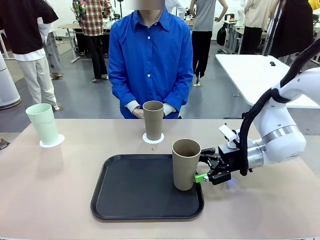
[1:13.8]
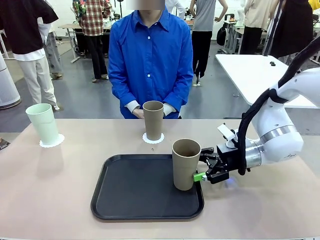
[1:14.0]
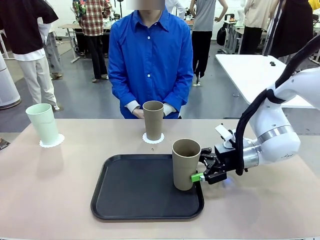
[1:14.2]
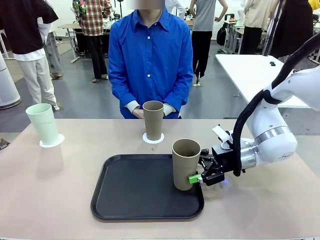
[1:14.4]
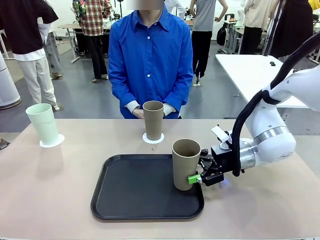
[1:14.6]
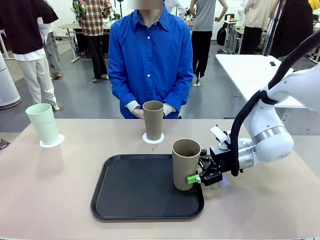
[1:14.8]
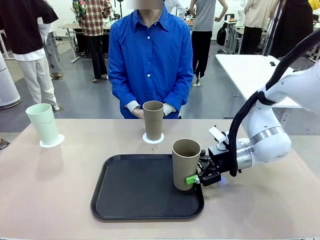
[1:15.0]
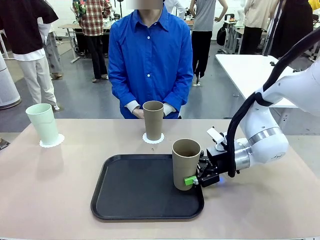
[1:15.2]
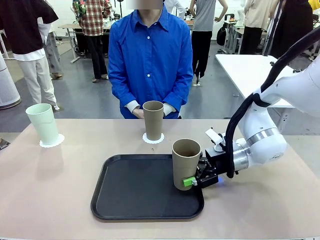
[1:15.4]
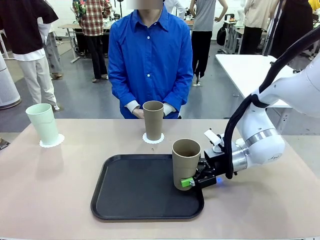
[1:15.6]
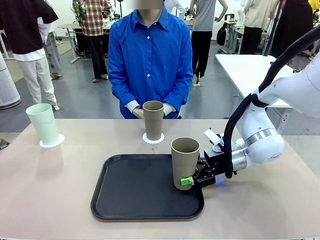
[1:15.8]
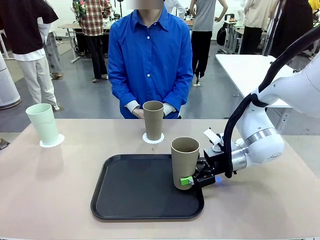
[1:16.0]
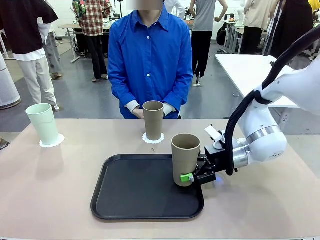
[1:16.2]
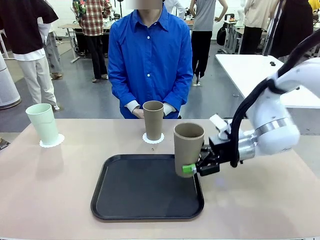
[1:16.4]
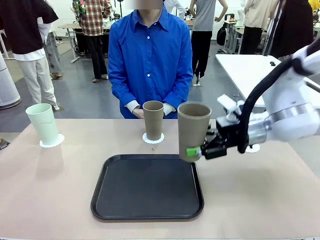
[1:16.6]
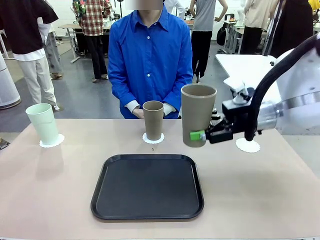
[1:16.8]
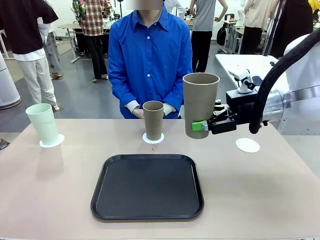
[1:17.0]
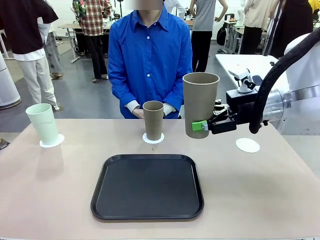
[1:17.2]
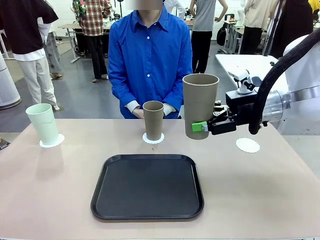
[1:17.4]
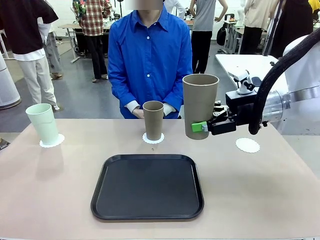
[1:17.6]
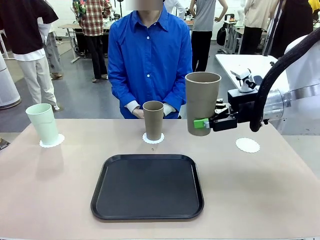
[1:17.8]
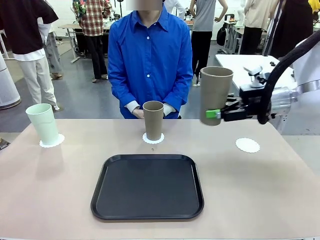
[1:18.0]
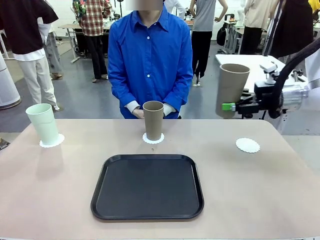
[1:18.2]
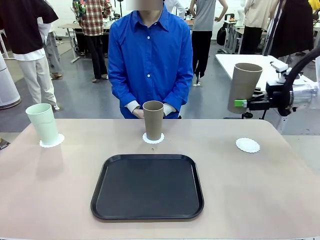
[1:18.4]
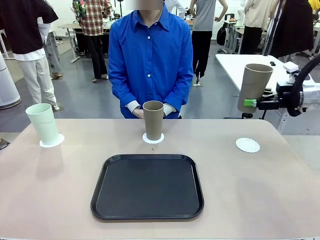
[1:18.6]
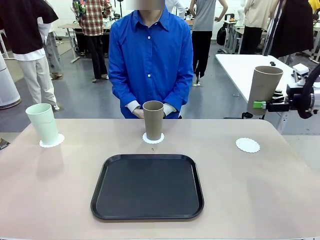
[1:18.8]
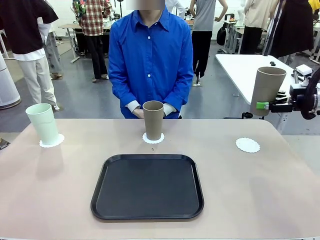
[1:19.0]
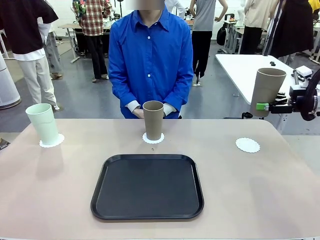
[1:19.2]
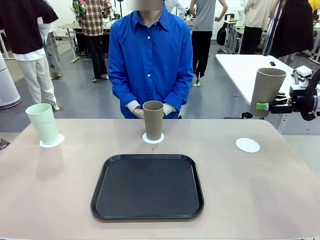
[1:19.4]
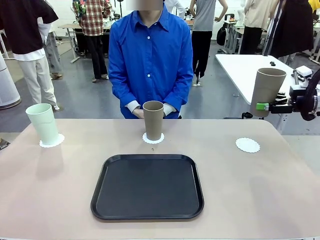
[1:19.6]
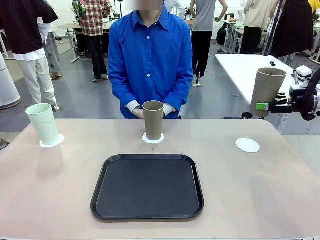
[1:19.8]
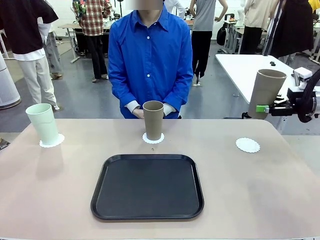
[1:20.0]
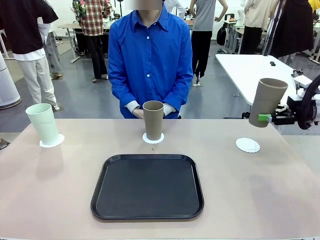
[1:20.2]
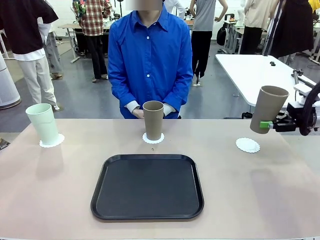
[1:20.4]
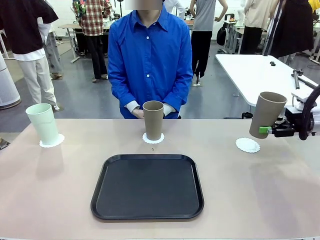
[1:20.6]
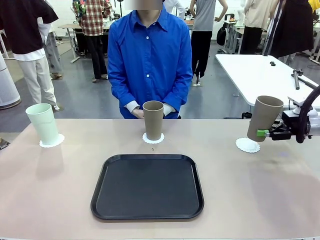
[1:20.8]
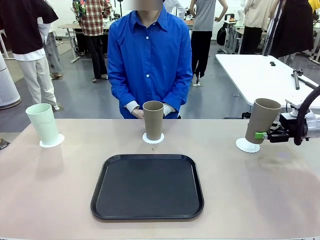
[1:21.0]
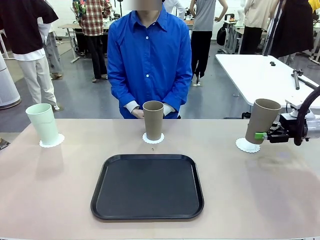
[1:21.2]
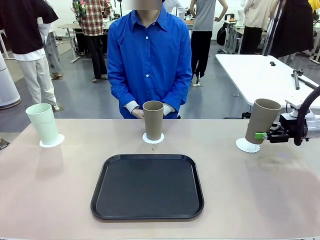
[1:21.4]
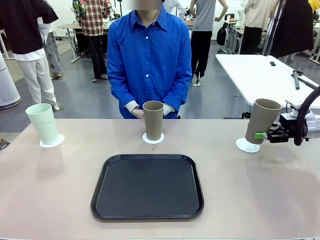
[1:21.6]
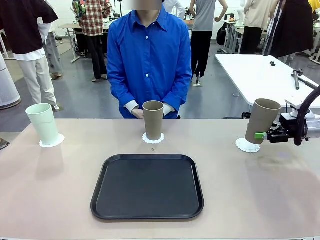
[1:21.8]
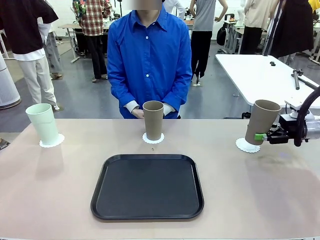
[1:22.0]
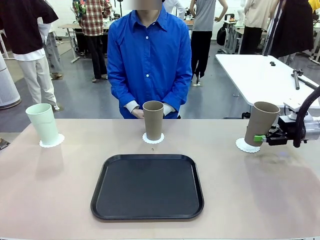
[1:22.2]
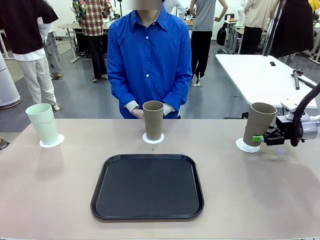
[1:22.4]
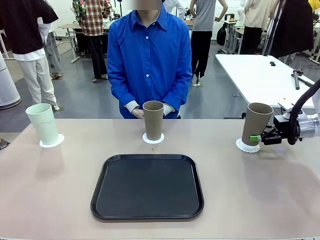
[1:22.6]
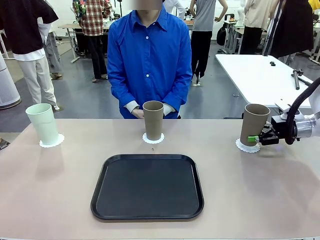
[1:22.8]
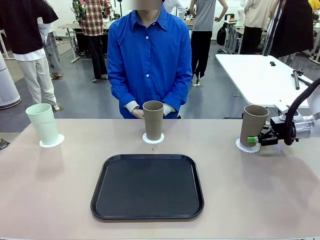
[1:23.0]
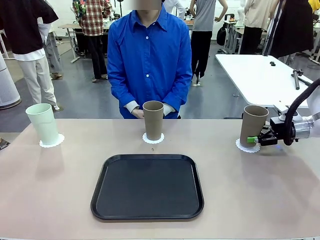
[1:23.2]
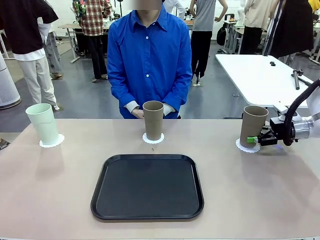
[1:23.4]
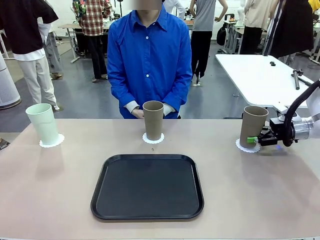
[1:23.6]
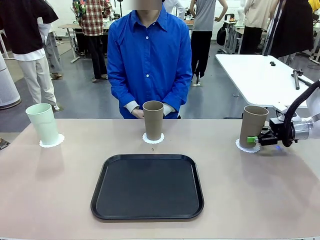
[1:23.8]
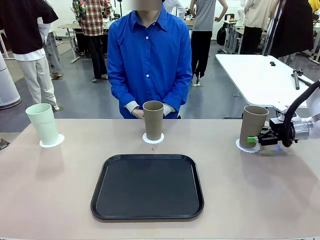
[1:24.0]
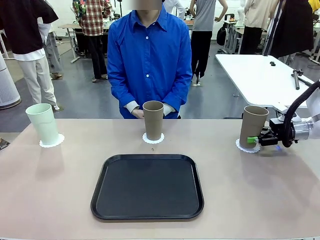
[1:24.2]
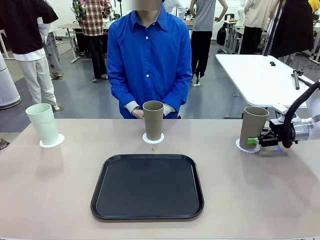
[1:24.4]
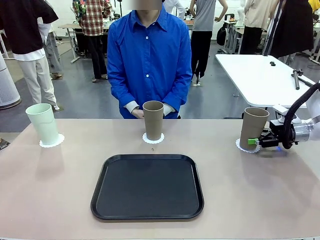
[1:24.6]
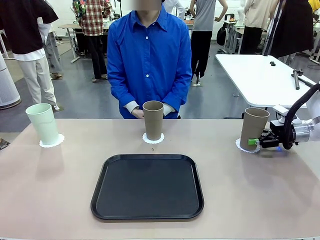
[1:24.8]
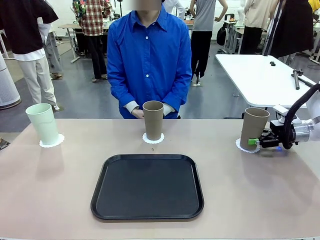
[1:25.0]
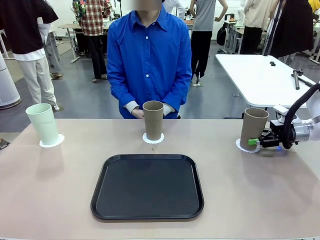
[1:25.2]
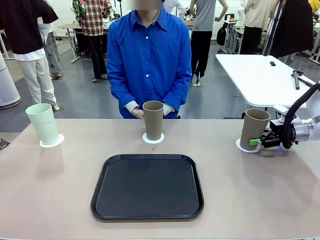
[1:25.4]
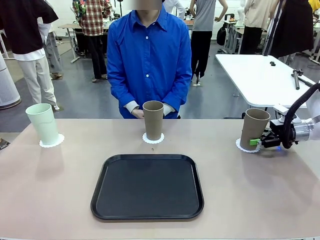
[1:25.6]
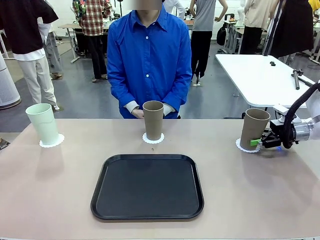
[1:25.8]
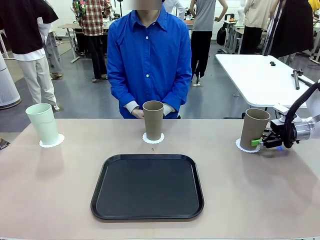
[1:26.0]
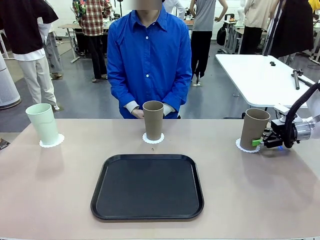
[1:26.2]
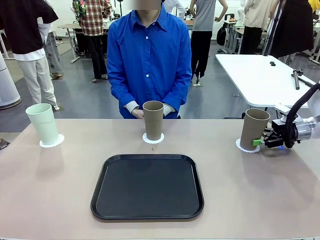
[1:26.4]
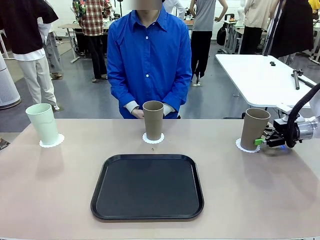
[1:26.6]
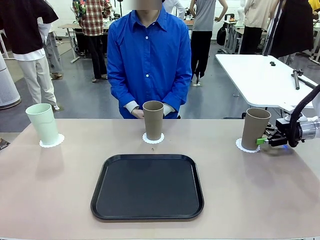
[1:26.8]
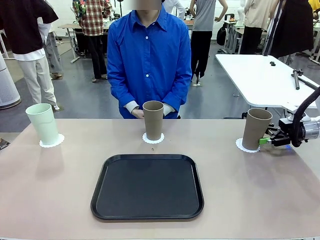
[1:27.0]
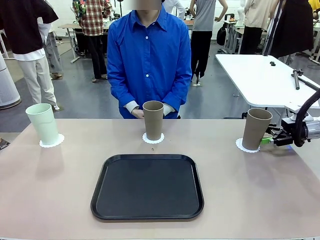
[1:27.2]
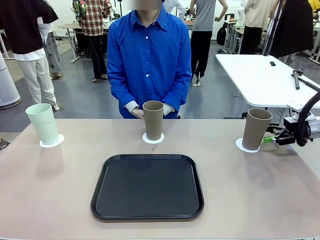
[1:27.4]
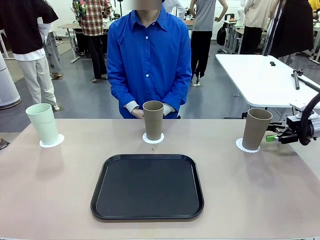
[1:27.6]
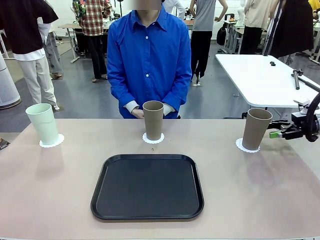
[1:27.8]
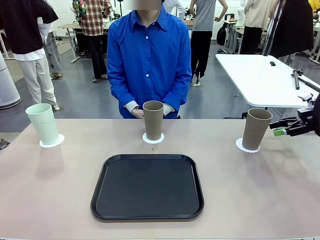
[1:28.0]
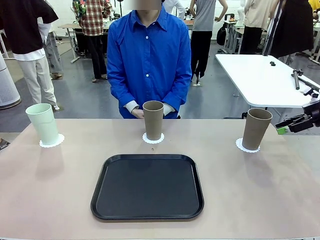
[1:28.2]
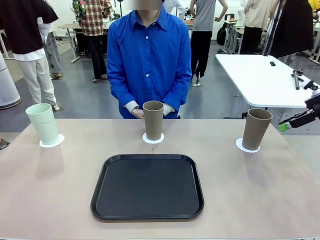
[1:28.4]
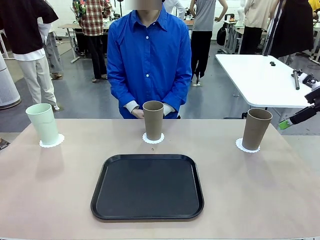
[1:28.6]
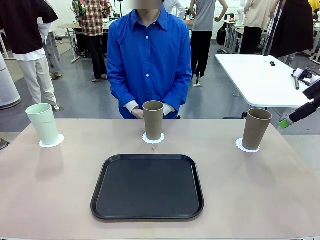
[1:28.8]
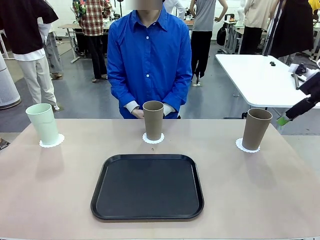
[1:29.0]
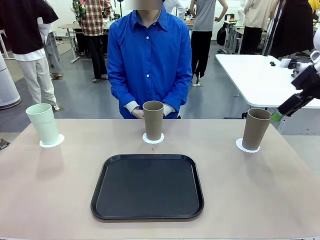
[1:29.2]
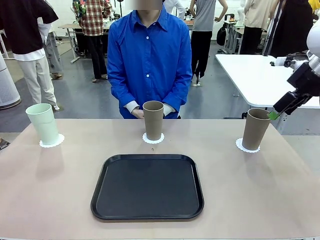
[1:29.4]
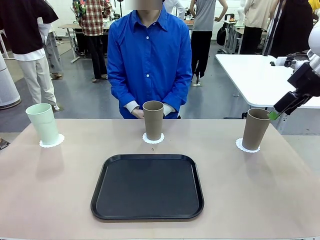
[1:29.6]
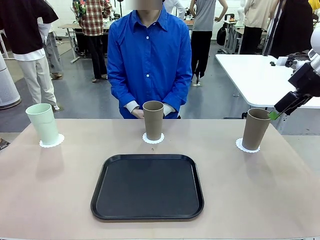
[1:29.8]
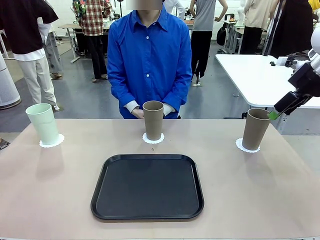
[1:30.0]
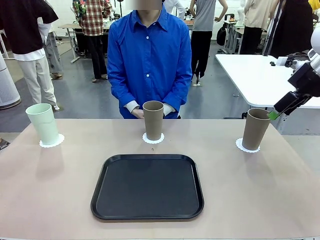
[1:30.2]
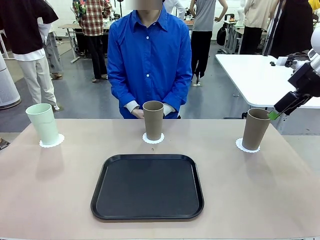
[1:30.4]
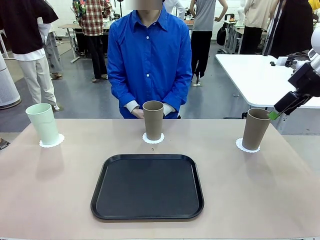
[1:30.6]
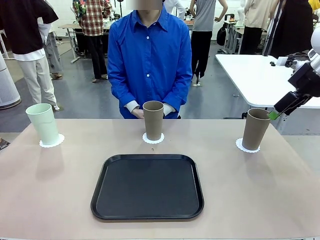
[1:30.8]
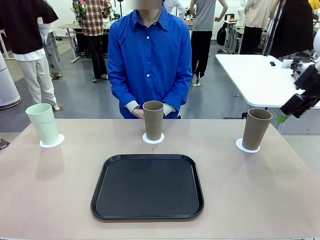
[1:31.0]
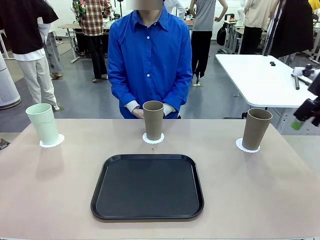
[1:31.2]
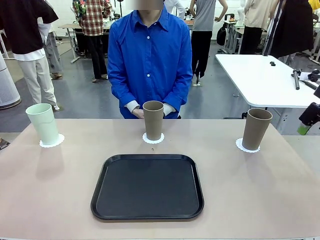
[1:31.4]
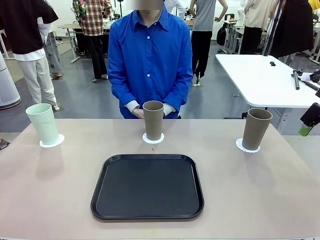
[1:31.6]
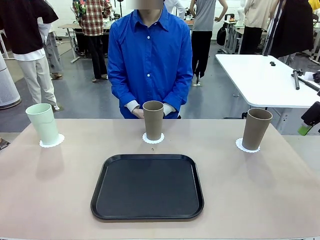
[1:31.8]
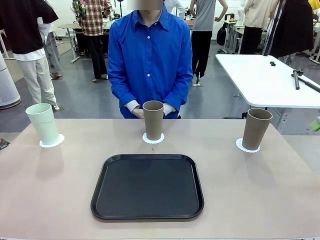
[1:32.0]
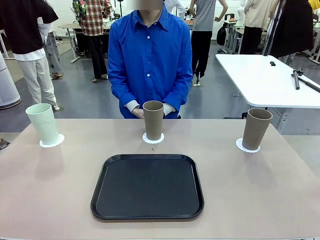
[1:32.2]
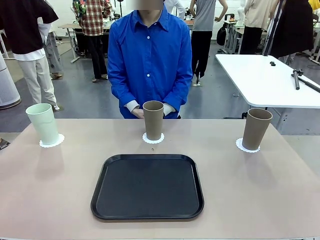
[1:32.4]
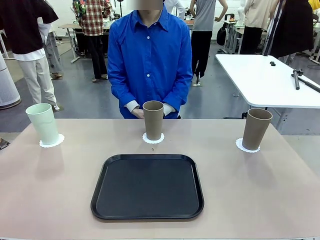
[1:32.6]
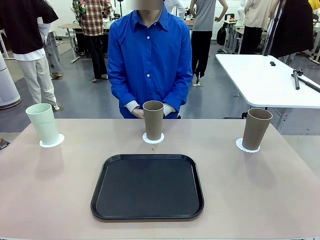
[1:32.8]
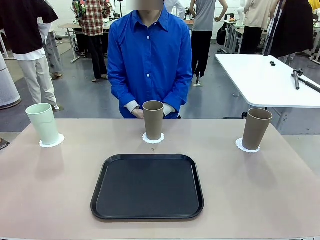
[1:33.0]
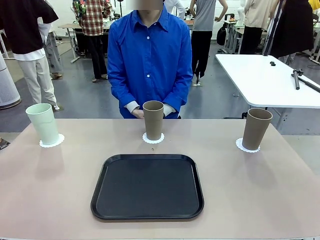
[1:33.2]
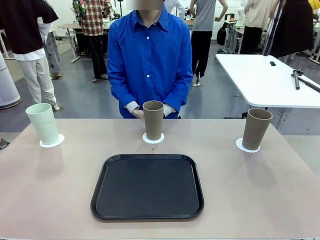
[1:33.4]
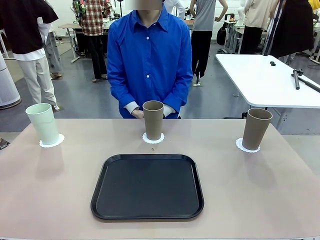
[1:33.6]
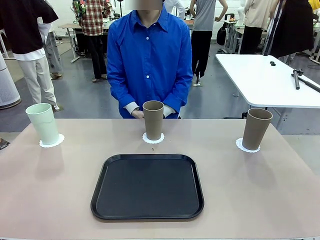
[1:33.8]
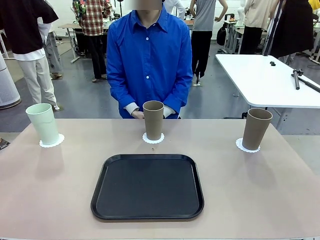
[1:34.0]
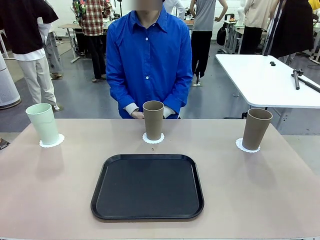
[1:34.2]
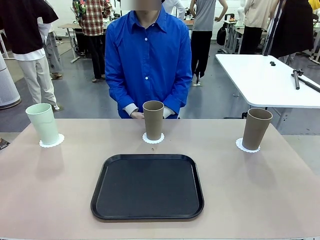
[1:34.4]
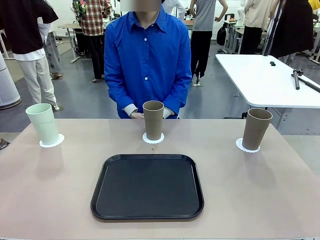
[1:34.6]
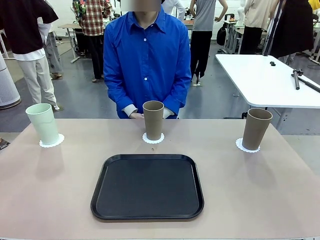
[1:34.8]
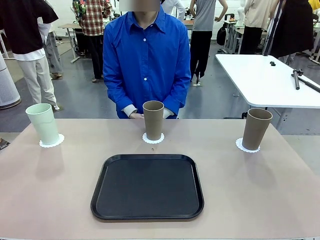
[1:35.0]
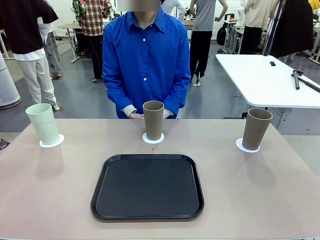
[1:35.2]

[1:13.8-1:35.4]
Task: Place coasters on the table and set cups on them.
Robot: Take one Reusable plastic cup from the Flat Tray and place it on a coaster set by the human.
